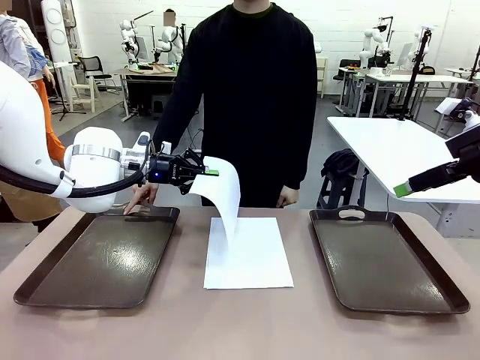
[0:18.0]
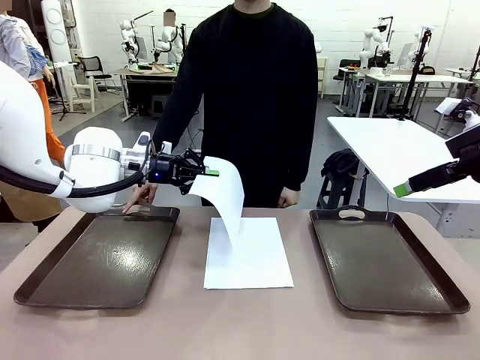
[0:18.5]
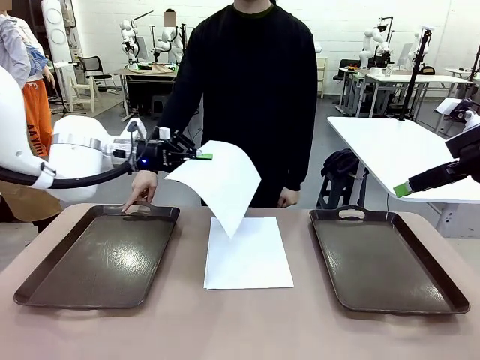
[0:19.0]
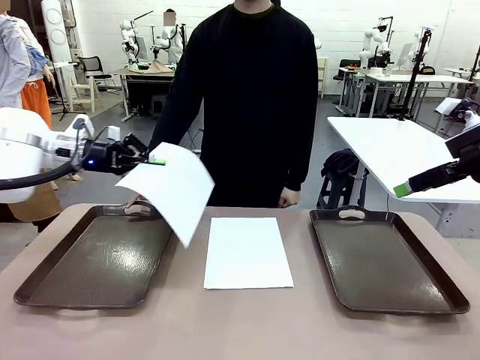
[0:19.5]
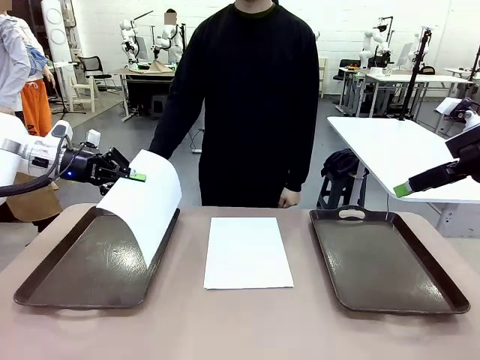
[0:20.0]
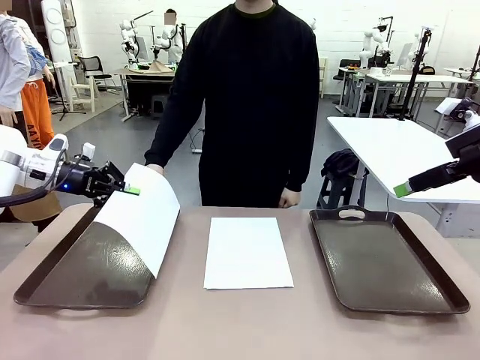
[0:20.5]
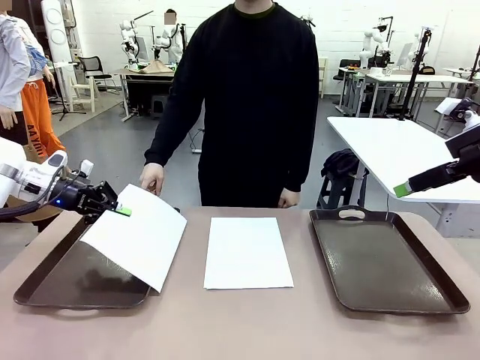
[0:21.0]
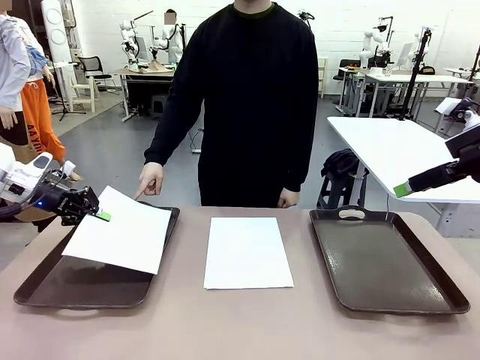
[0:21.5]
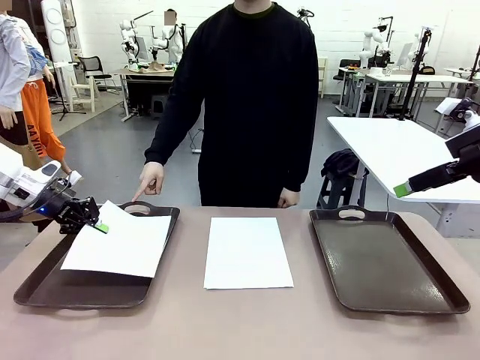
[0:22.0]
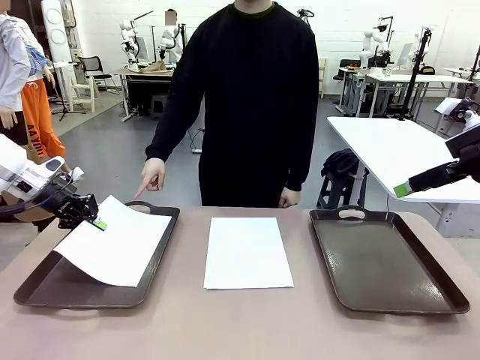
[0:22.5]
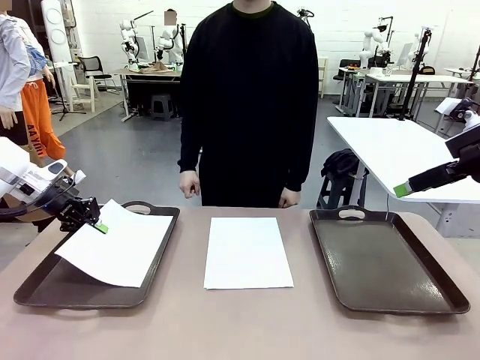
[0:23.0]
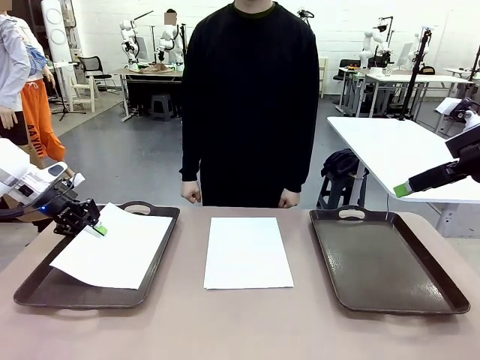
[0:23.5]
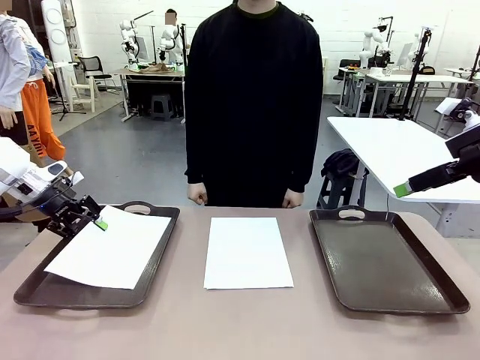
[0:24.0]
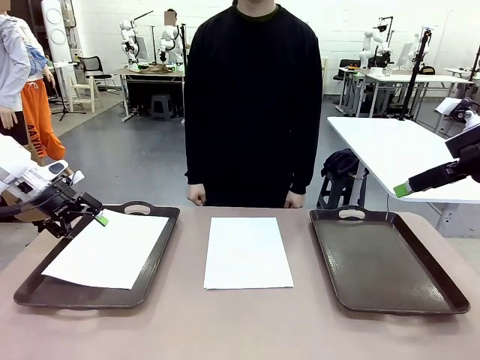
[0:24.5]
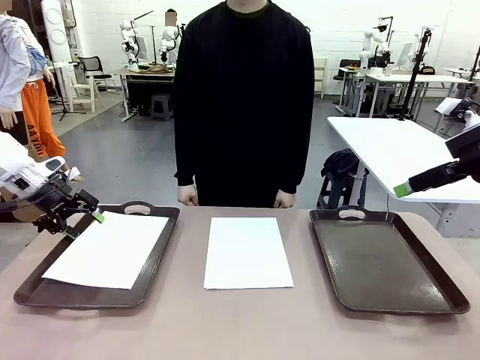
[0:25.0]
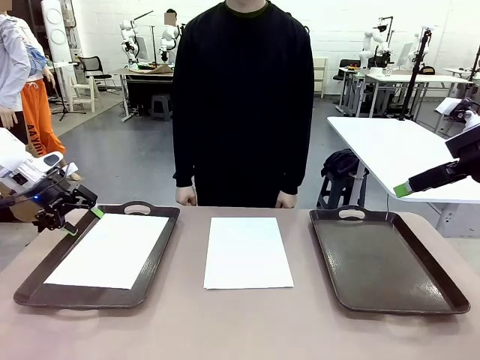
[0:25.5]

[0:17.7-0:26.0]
Task: Sort the A4 documents.
Robot: Place the A4 Paper in the designated Handle tray.

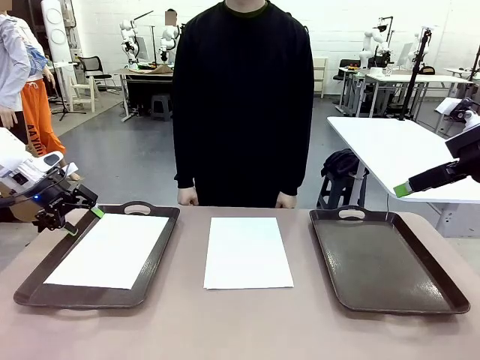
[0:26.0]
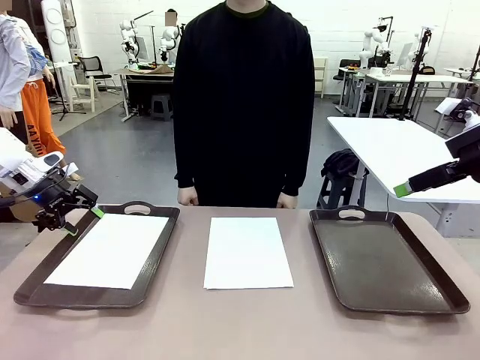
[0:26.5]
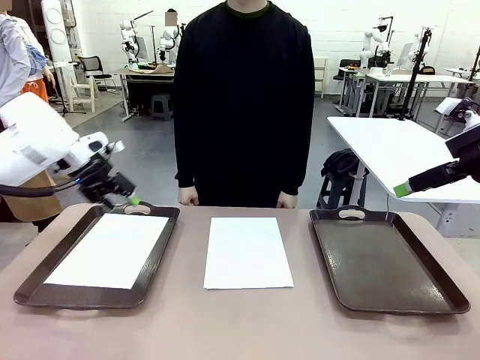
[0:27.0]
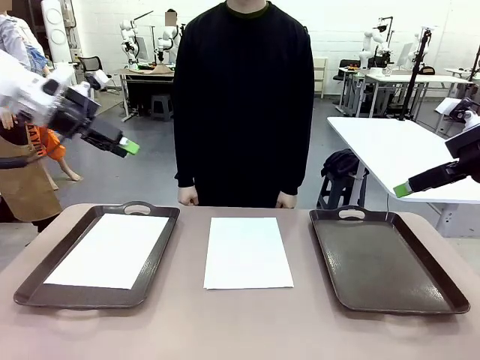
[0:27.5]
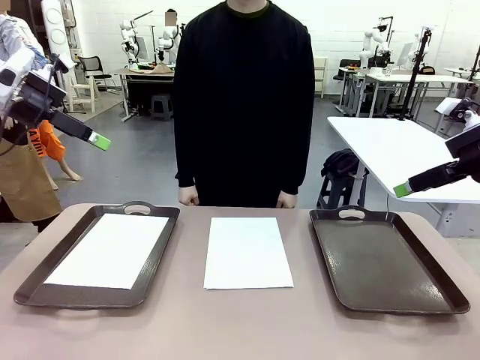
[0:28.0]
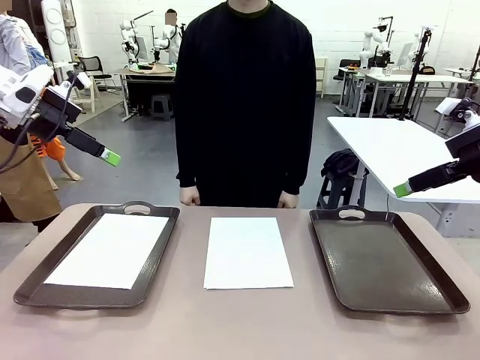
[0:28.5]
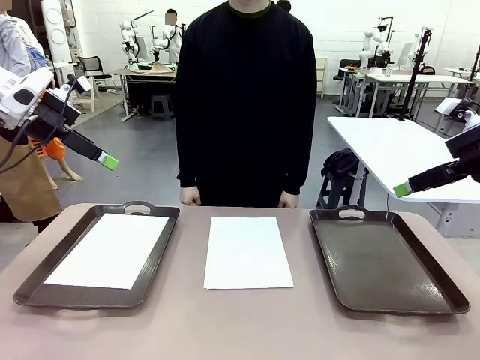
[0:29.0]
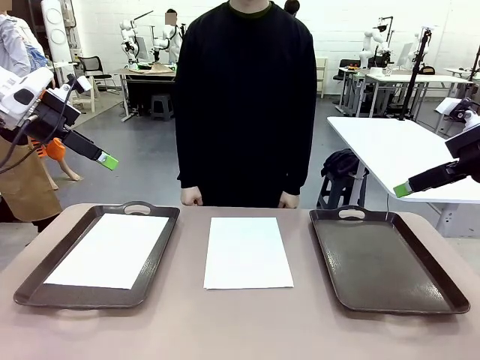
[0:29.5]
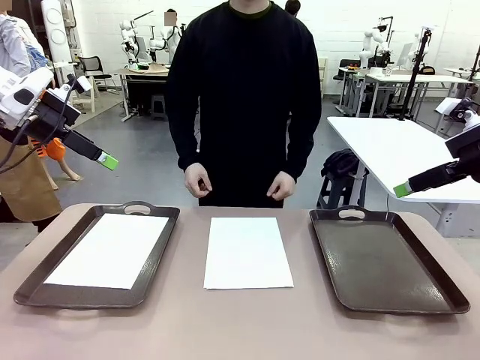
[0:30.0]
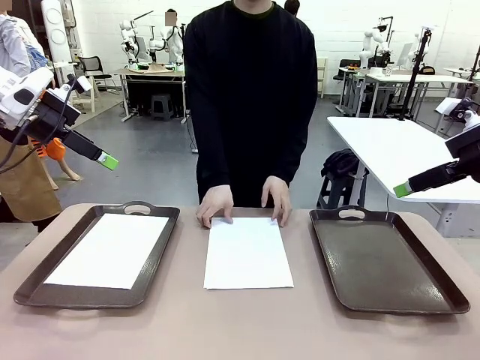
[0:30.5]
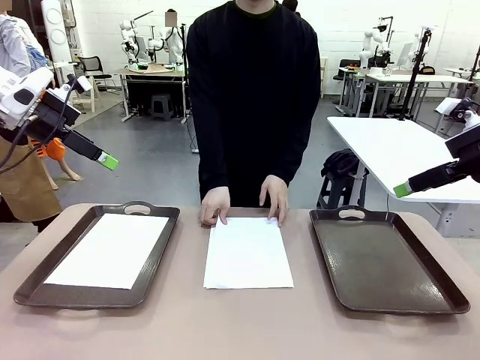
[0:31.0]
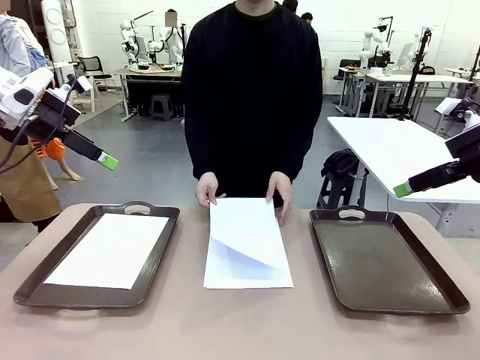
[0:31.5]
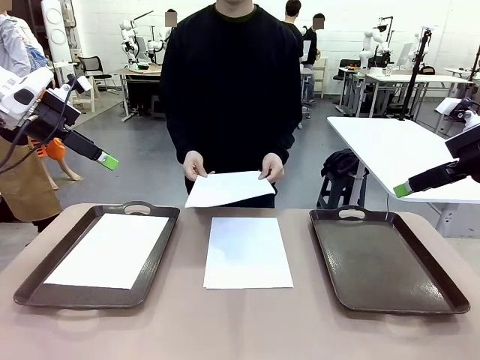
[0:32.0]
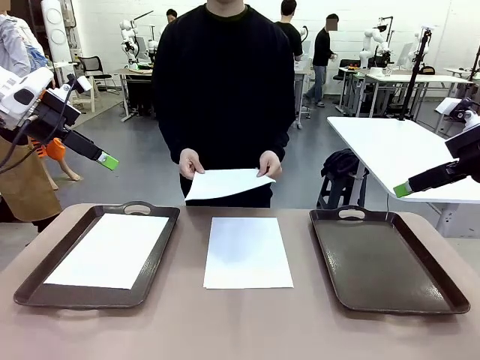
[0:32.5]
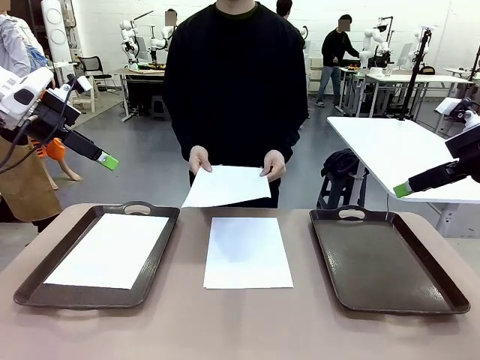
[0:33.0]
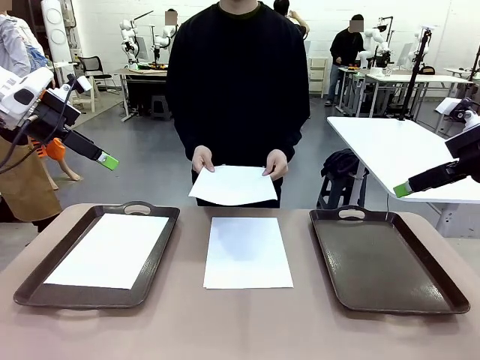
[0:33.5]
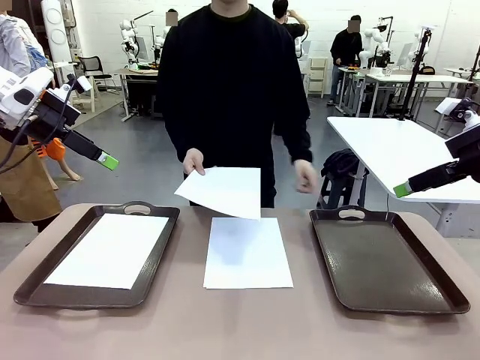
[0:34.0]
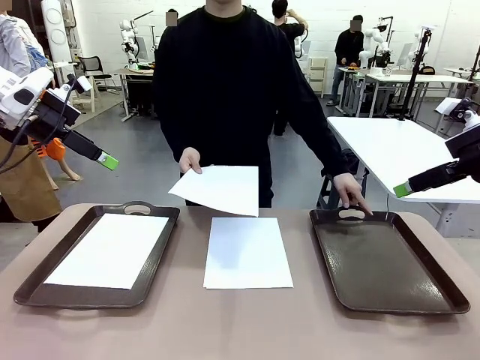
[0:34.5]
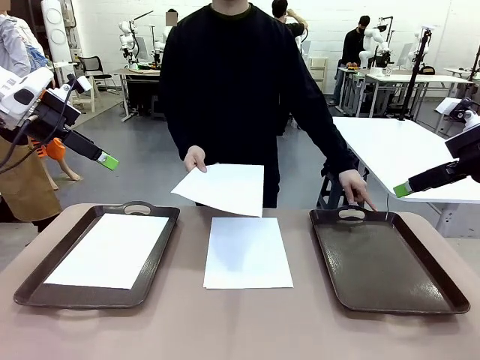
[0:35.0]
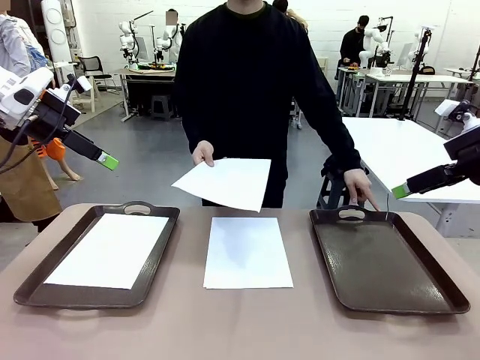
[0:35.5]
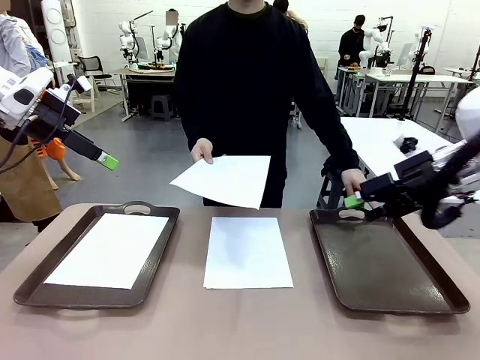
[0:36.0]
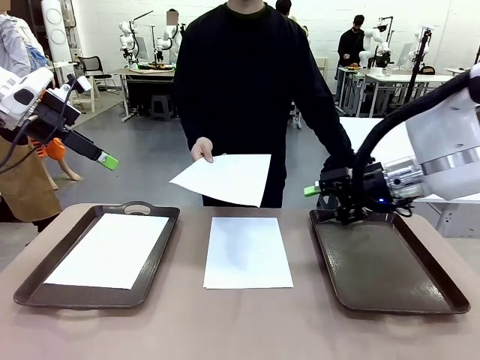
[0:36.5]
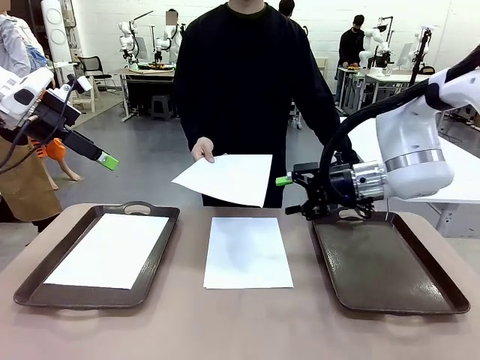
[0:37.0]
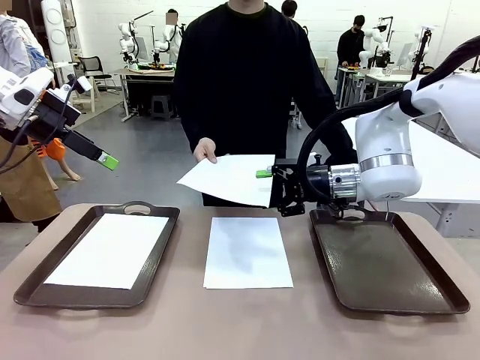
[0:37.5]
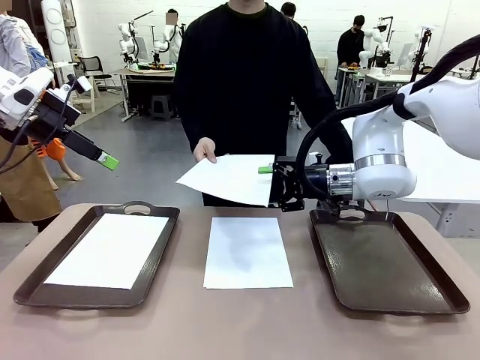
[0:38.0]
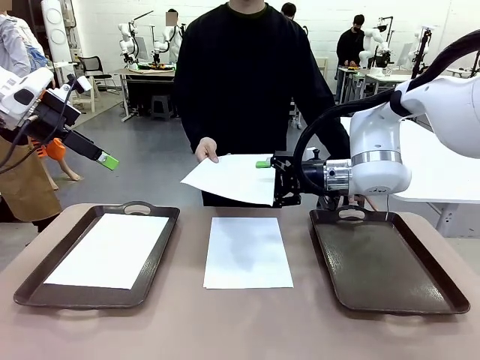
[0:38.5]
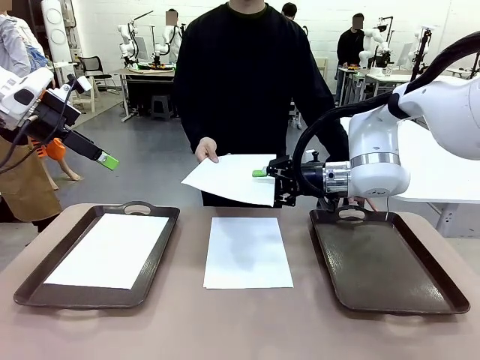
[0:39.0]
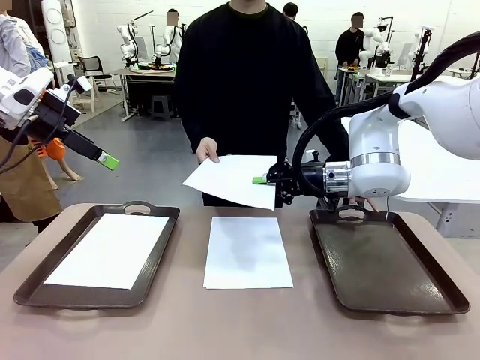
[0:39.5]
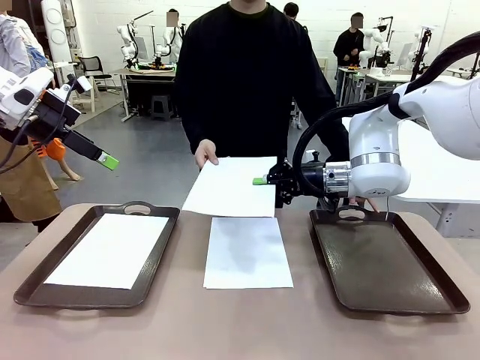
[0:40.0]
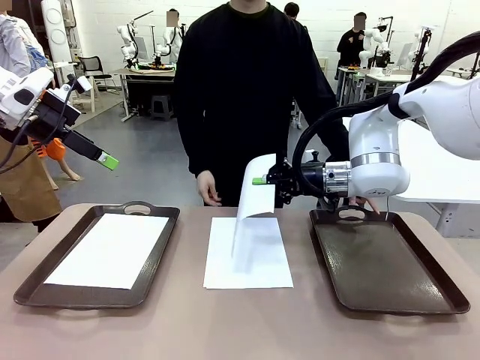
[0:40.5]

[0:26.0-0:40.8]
Robot: Receive the A4 Paper.
Person: Point the randomly selected tray with the other hand.

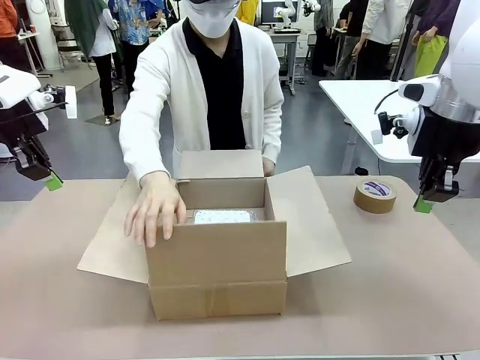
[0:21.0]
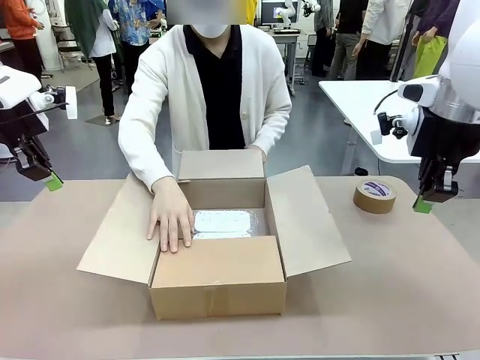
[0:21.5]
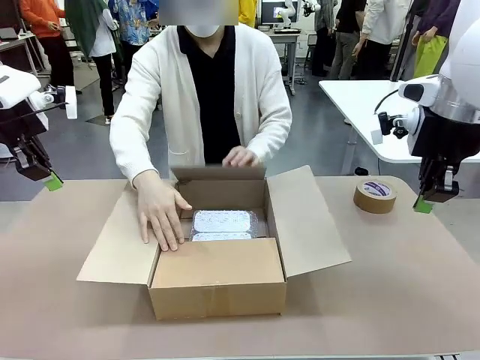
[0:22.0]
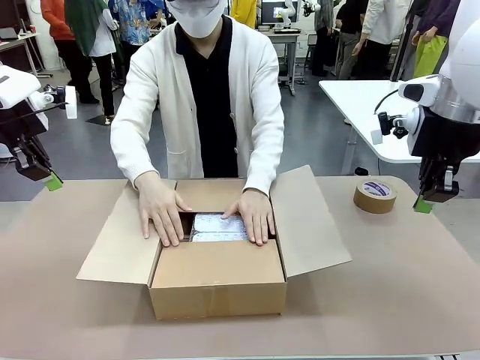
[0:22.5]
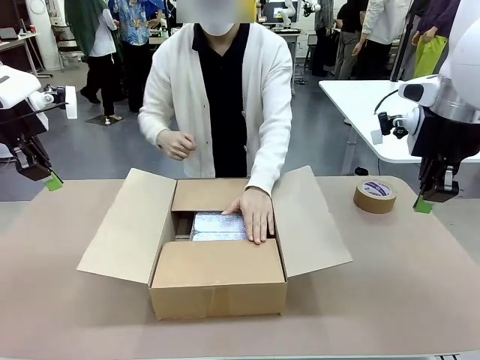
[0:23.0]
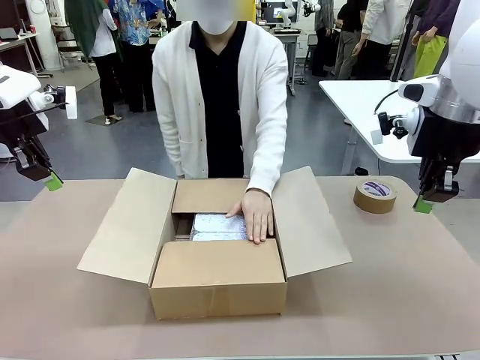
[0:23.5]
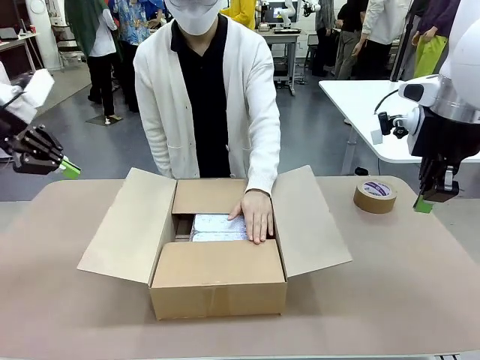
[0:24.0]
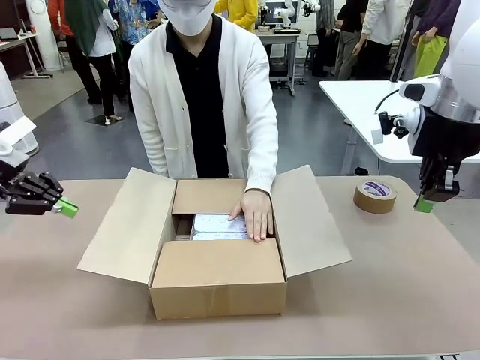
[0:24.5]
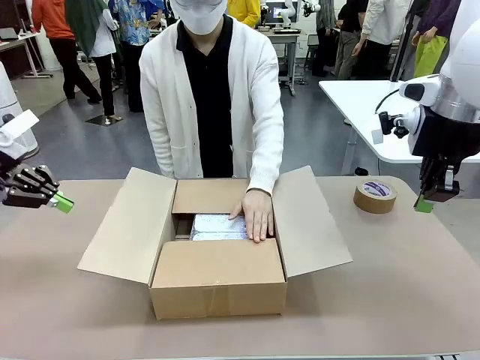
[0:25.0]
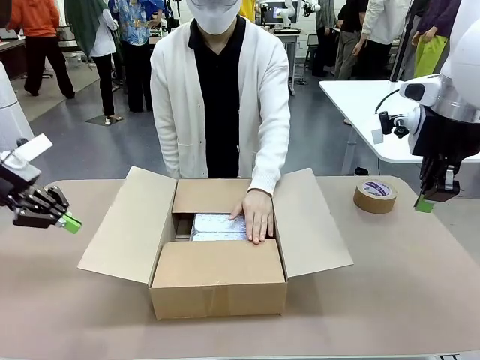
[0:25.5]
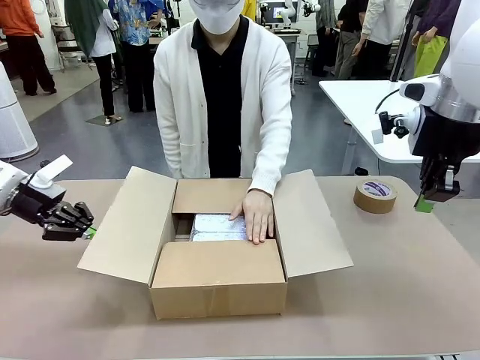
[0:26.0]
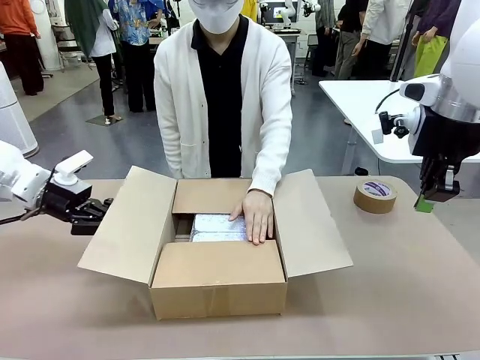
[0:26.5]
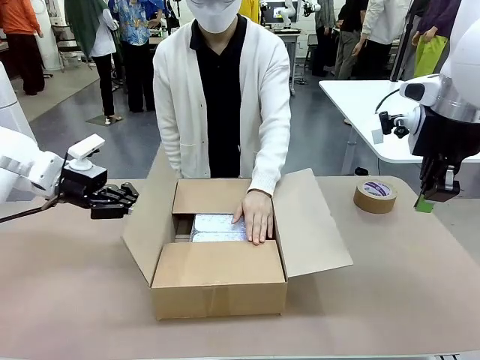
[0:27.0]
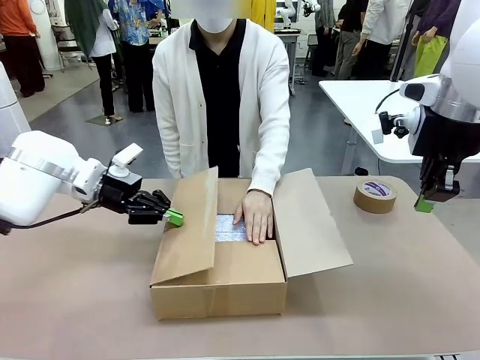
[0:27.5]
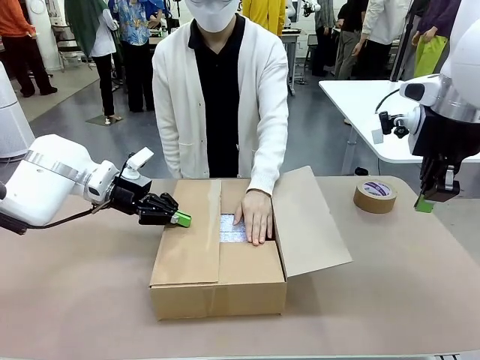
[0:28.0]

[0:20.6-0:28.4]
Task: Wrap the clocks to prevent damage.
Robot: Push the right (or left) flap of the Package Box to close it.
Person: Hold the top and bottom flaps of the Package Box closed with your left (or right) hand. Once the robot closes the right flap of the Package Box , release your left hand from the box.
